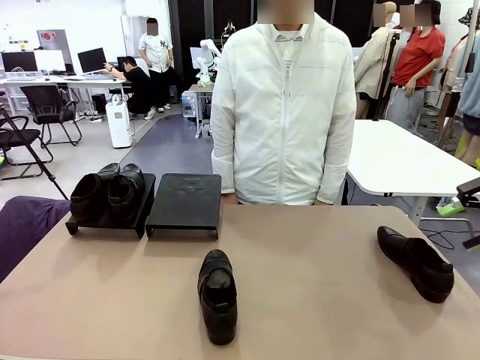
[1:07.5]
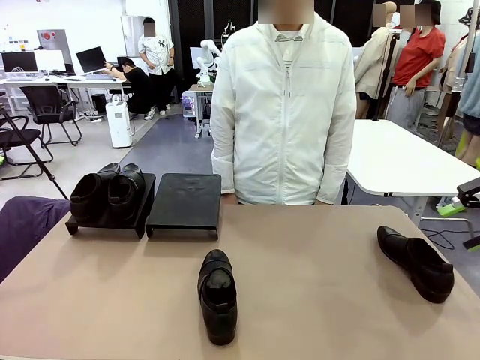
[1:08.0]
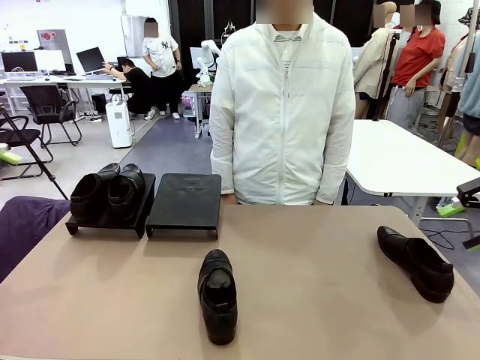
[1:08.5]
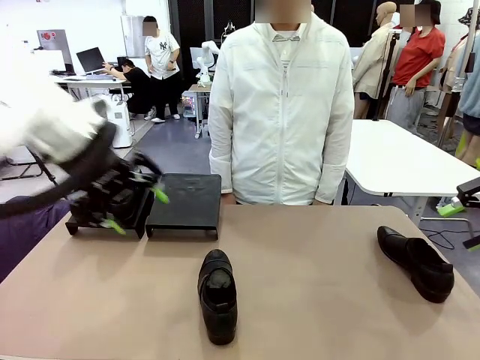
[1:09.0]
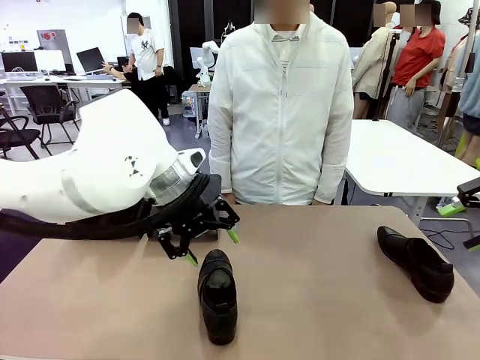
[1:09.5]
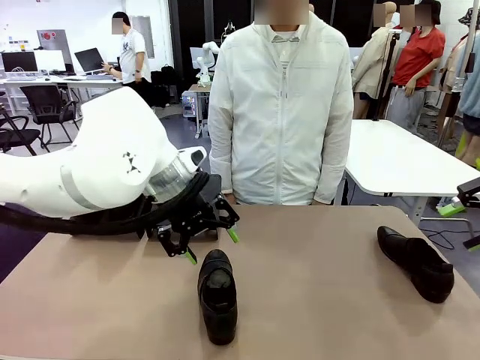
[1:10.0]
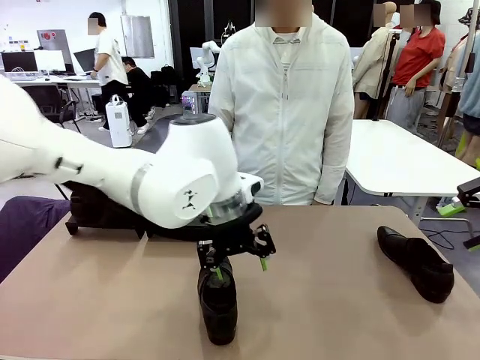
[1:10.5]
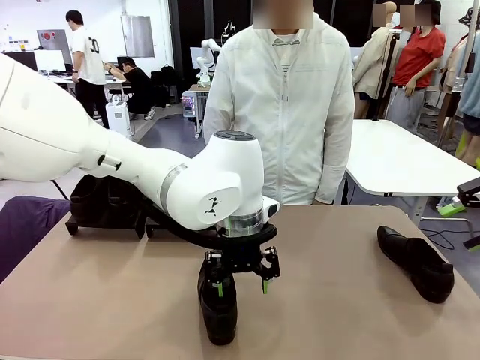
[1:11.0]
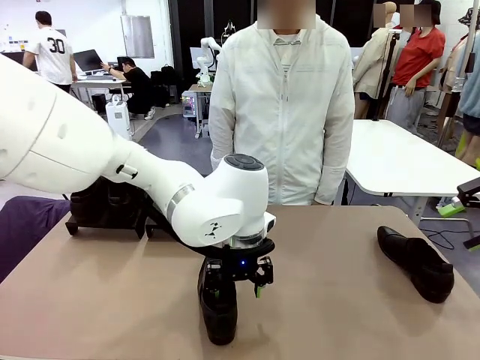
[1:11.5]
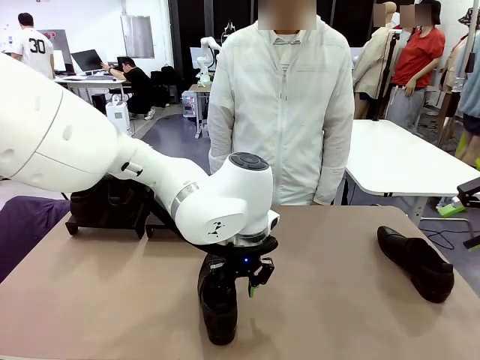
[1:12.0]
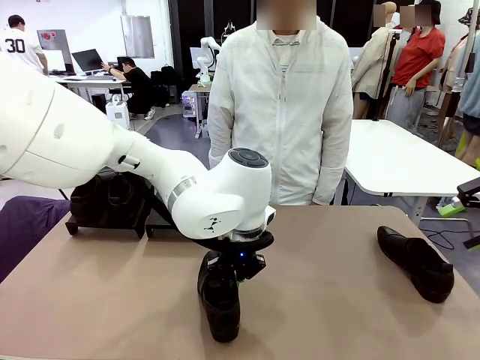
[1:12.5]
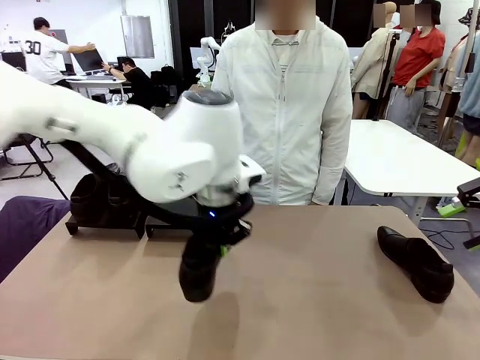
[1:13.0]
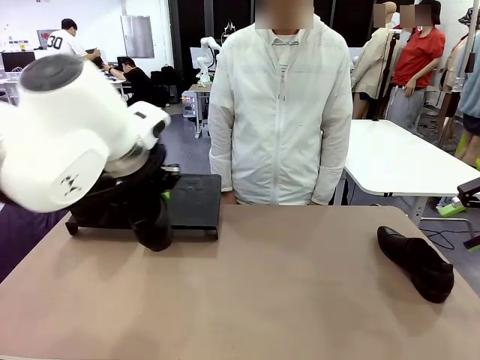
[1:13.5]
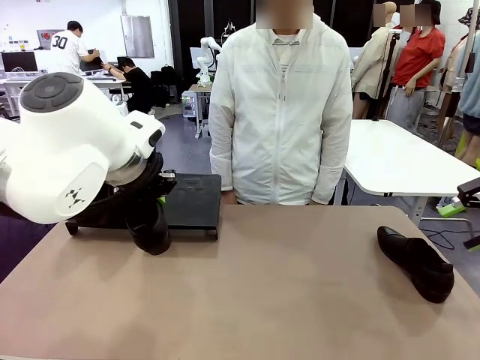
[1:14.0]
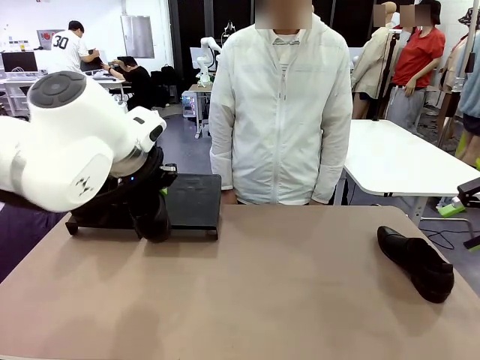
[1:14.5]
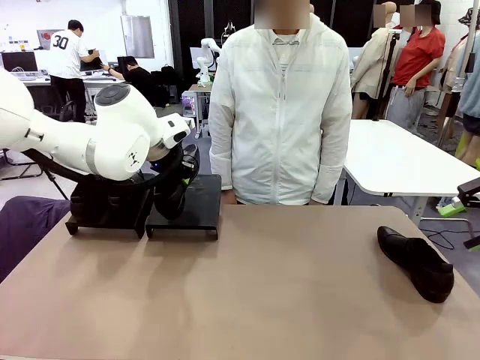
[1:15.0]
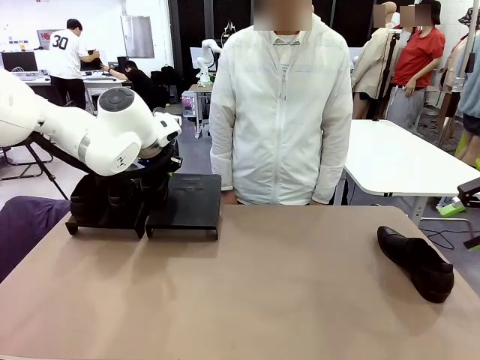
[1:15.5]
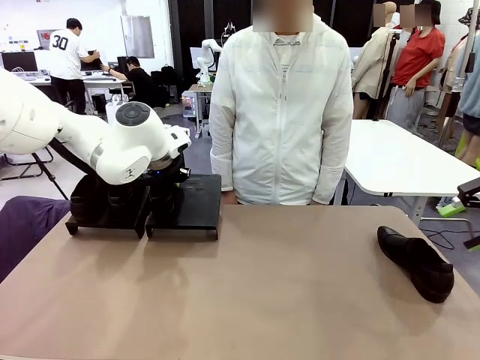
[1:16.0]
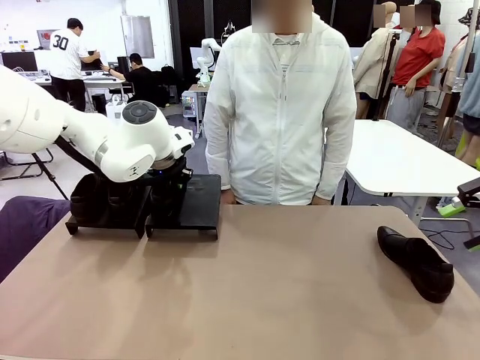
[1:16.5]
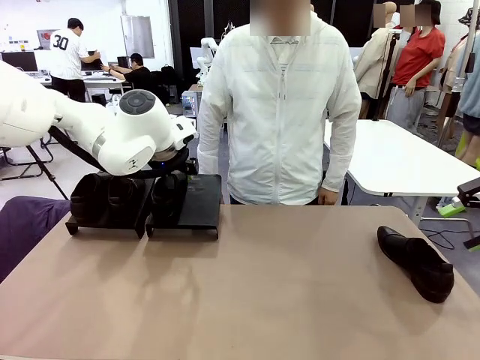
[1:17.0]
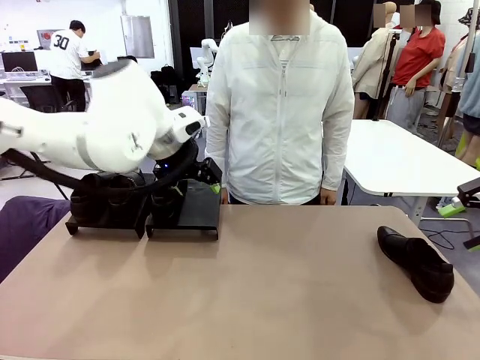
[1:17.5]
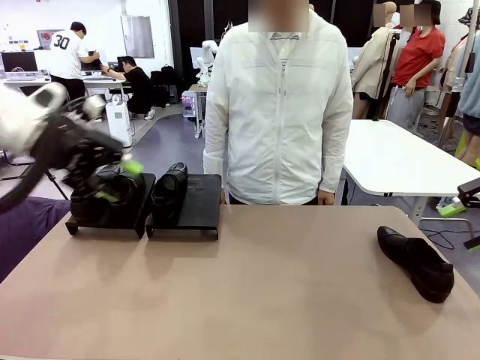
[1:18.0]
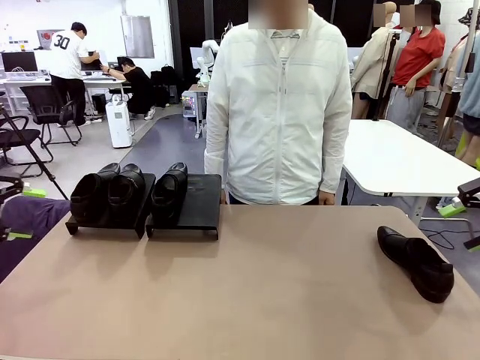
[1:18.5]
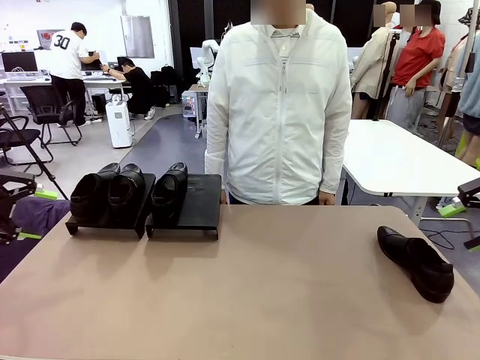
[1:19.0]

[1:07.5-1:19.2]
Task: Organize the shoes by placing them on the stand.
Robot: Place the Shoe from the middle of the table onto the Shoes Stand.

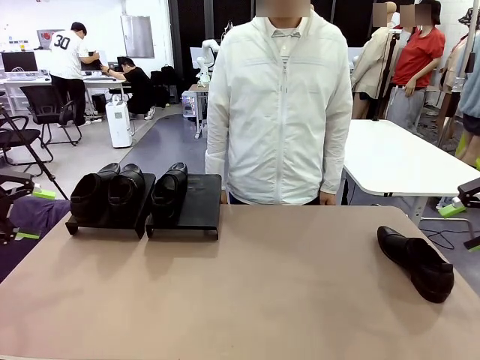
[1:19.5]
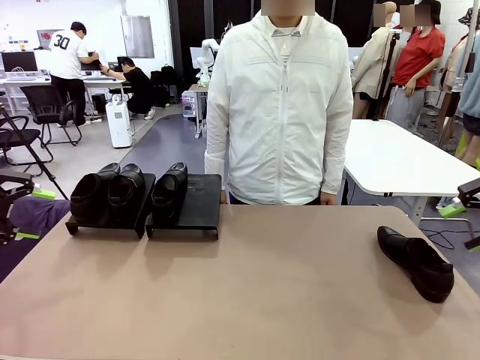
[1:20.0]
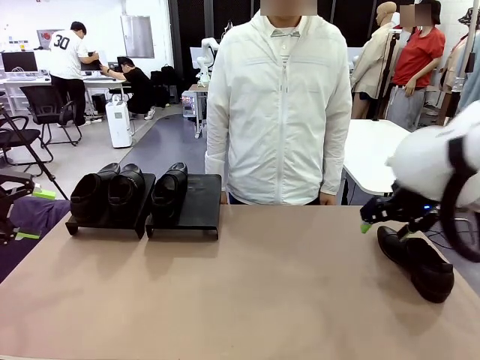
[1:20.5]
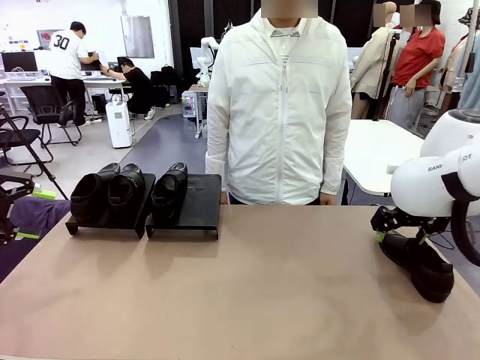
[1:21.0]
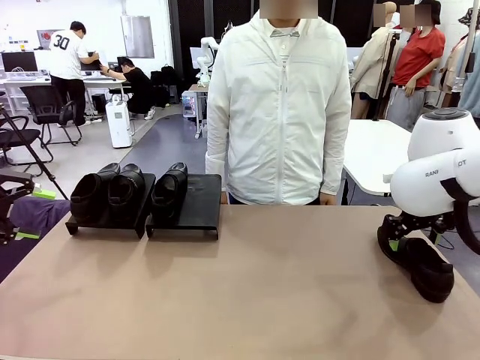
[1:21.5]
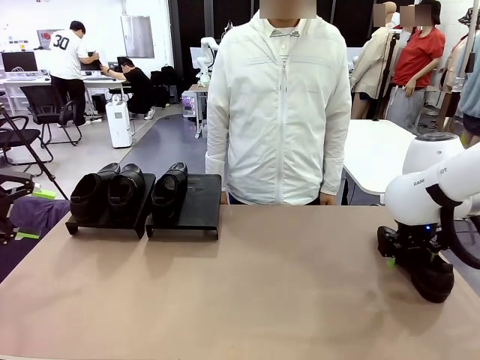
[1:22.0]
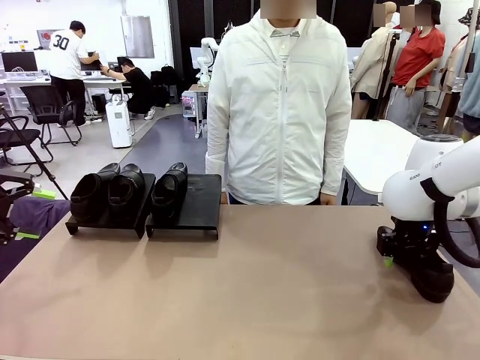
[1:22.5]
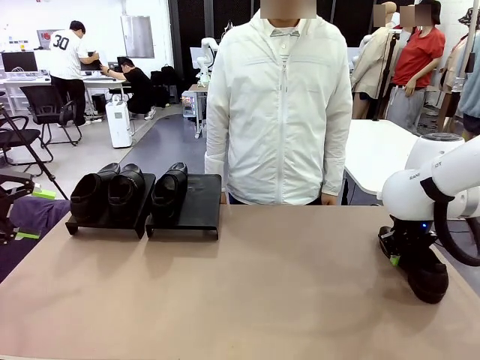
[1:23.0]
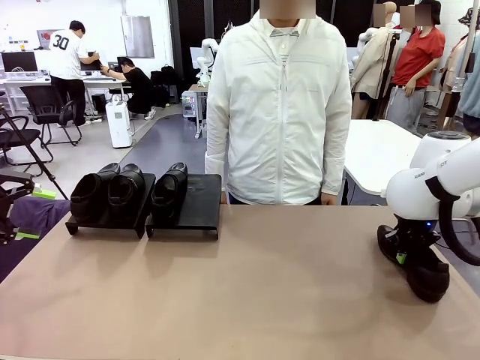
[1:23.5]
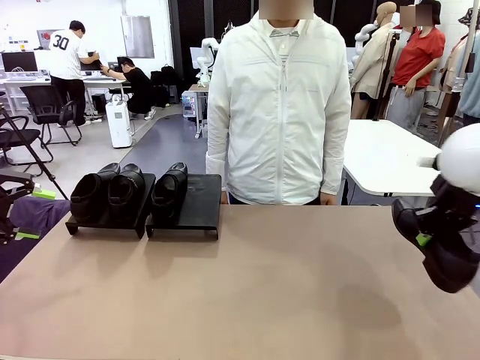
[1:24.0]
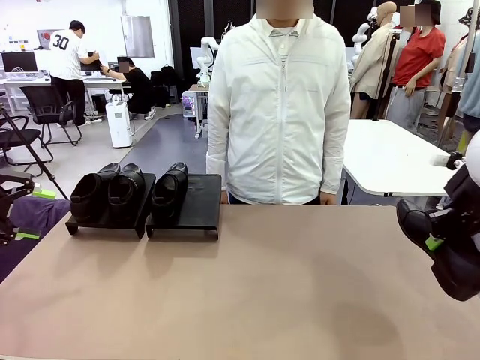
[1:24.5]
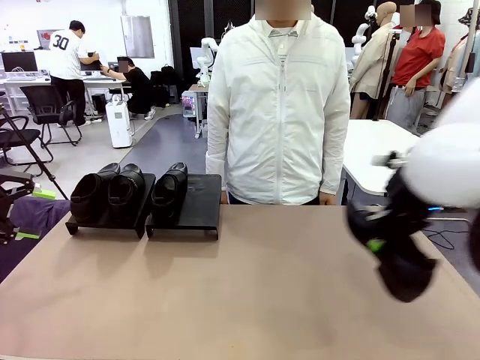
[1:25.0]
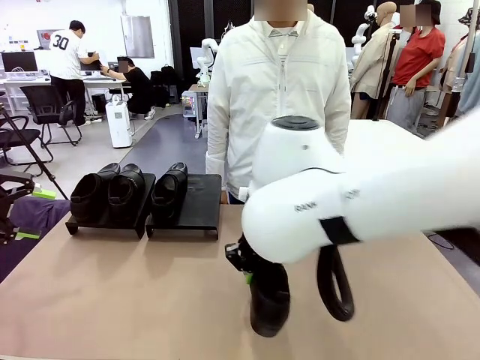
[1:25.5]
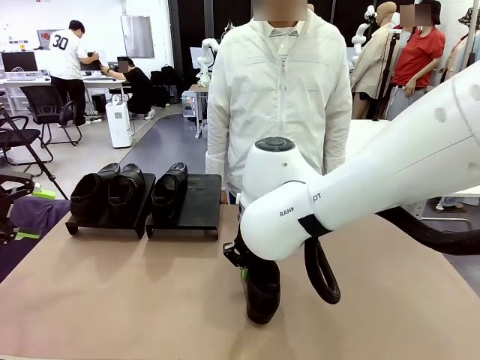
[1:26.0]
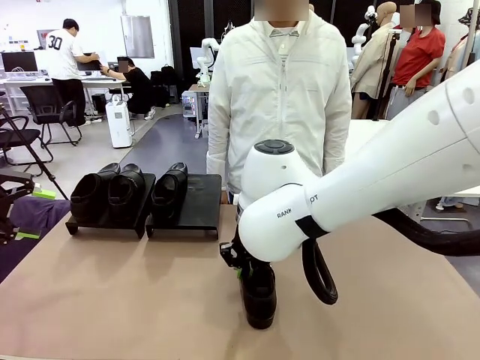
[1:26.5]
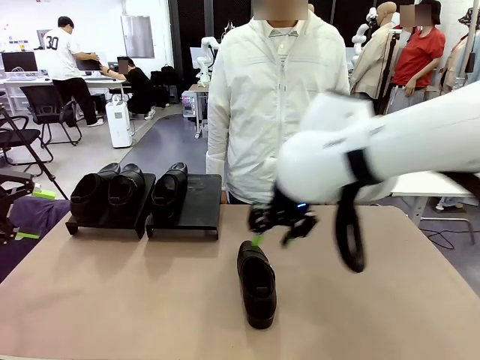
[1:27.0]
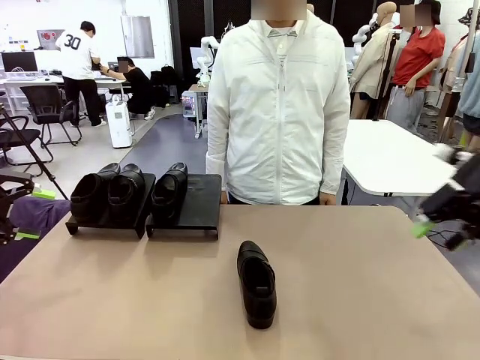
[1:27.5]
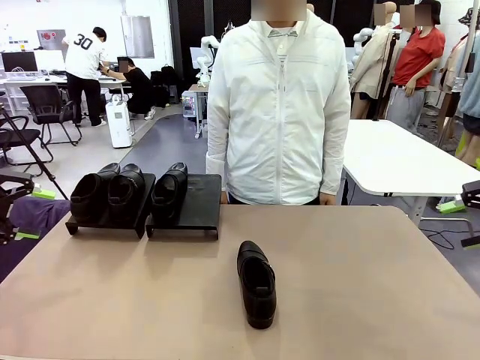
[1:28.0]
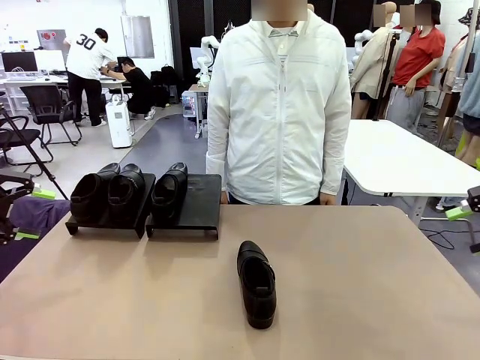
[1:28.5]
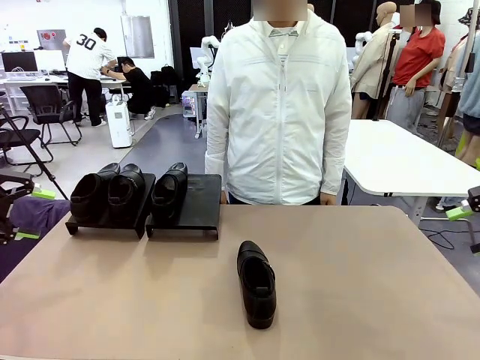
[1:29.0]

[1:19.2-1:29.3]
Robot: Pick up one Shoe and place it in the middle of the table.

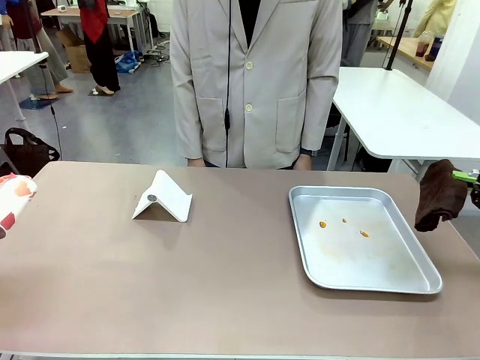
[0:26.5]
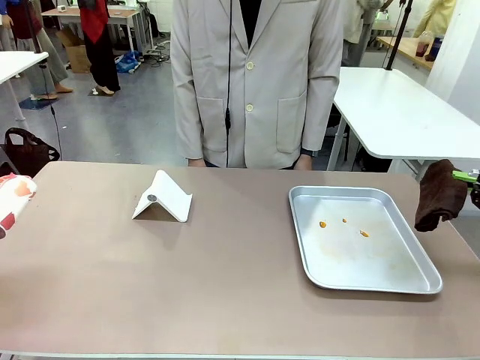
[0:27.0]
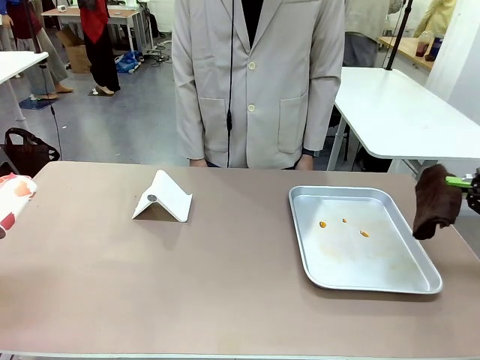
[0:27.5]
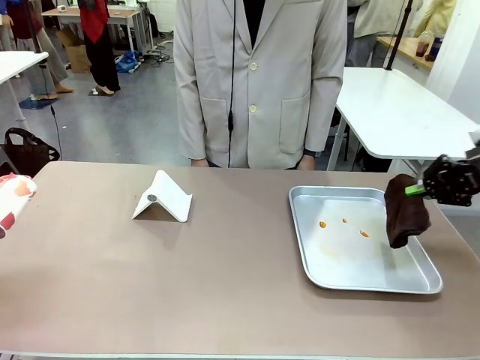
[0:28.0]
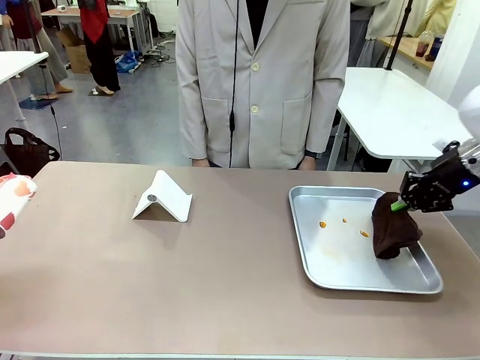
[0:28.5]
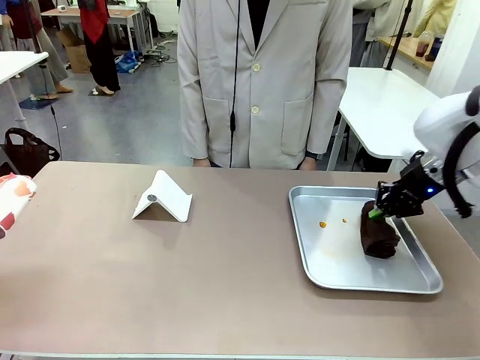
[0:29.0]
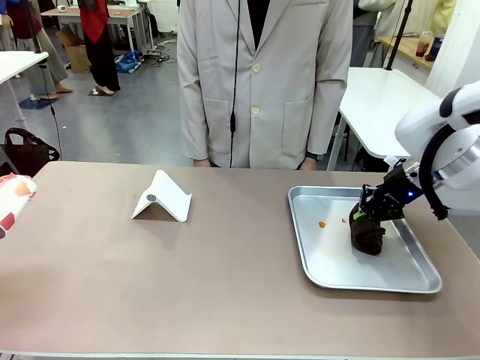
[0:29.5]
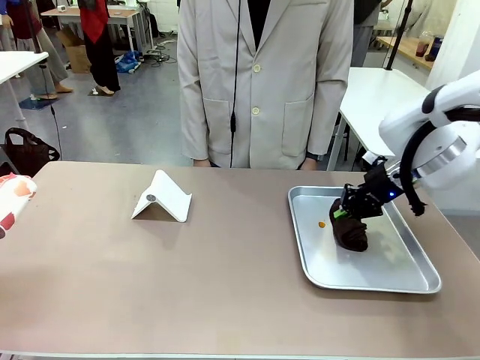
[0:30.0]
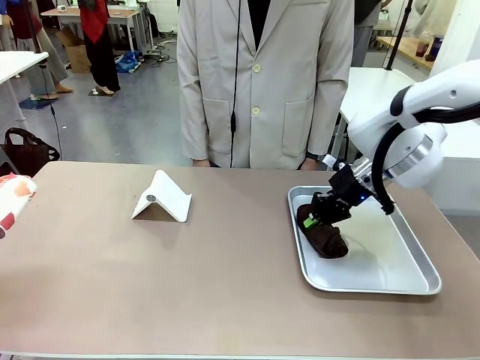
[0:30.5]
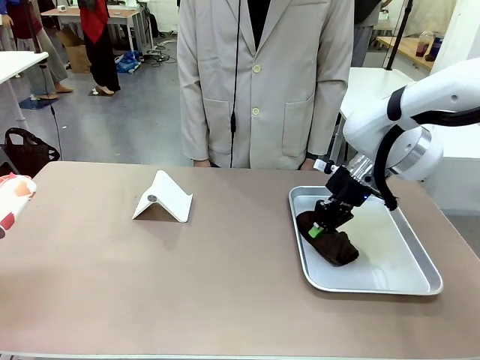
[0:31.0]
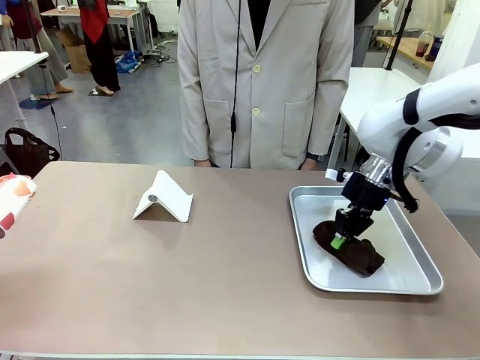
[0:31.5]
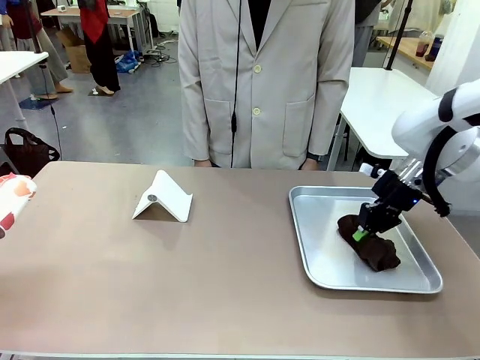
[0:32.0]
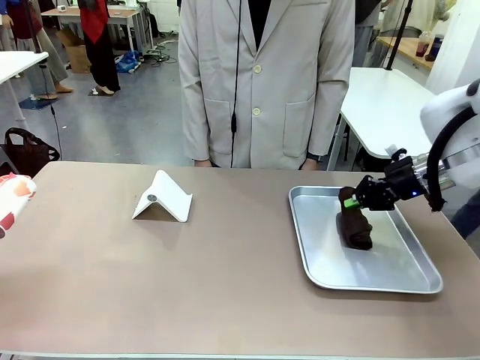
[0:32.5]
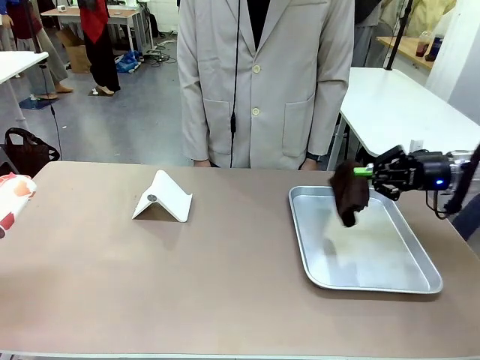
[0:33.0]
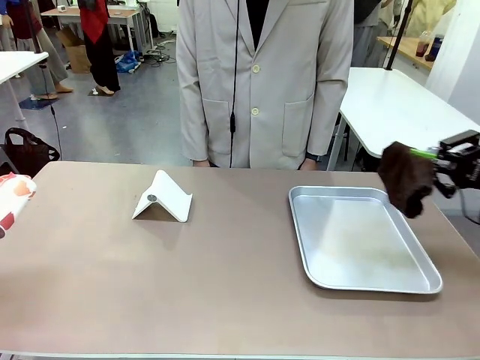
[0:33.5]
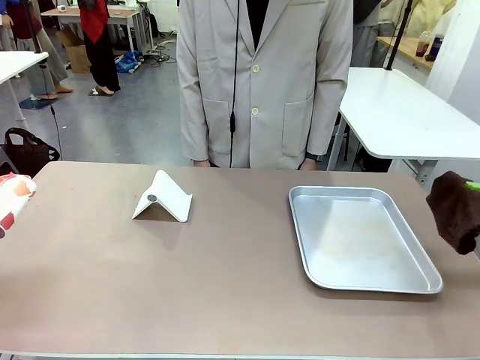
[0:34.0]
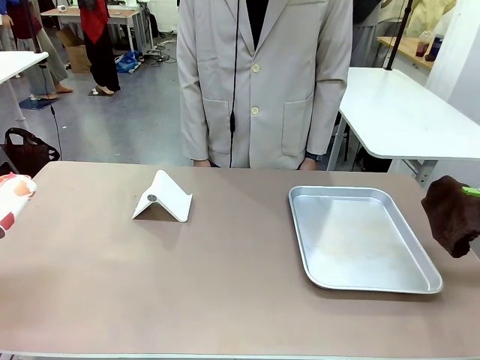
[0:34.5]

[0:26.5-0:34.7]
Task: Clean the surface of the table.
Robot: Clean the area not pointed to by the person.
